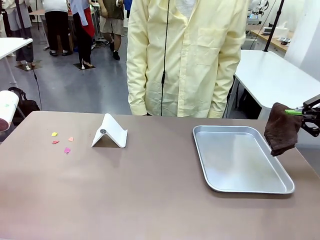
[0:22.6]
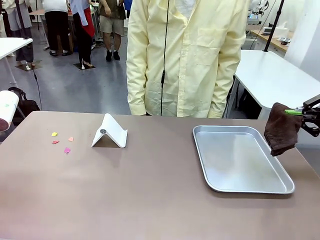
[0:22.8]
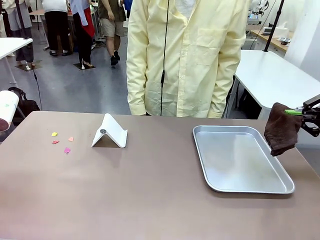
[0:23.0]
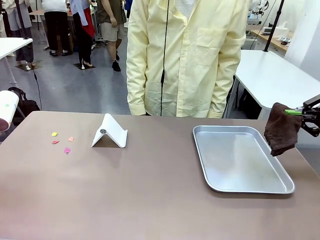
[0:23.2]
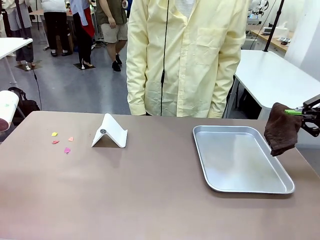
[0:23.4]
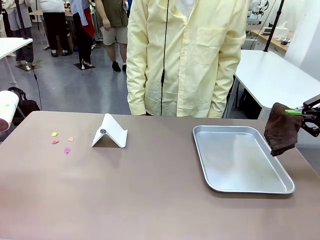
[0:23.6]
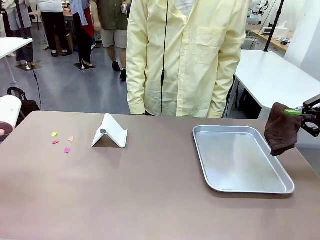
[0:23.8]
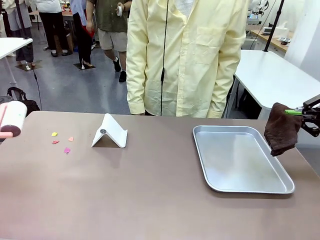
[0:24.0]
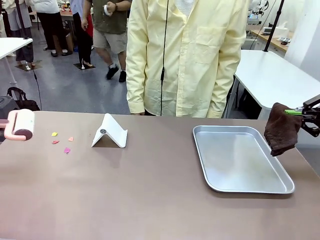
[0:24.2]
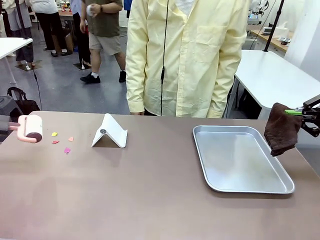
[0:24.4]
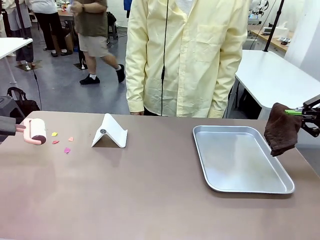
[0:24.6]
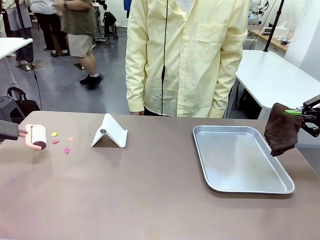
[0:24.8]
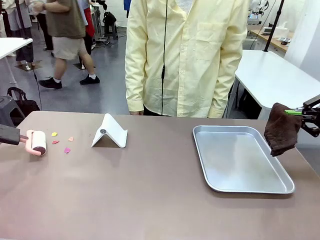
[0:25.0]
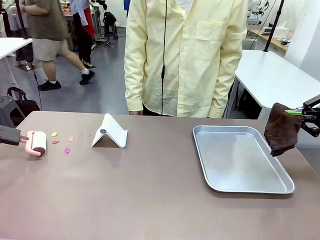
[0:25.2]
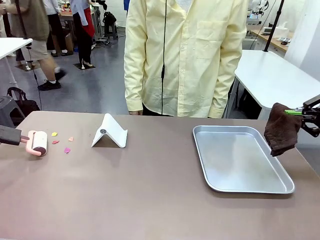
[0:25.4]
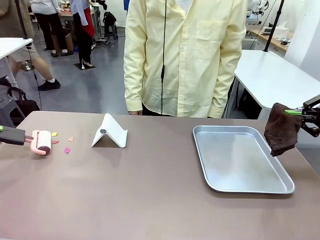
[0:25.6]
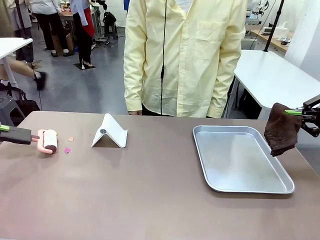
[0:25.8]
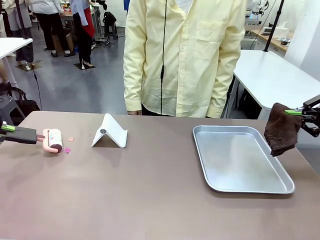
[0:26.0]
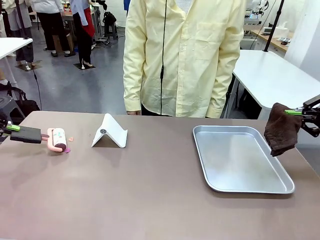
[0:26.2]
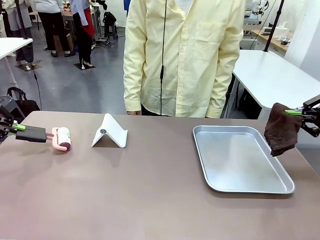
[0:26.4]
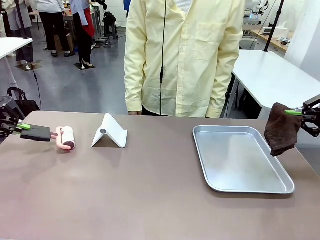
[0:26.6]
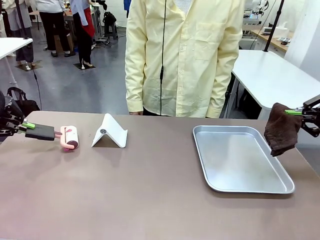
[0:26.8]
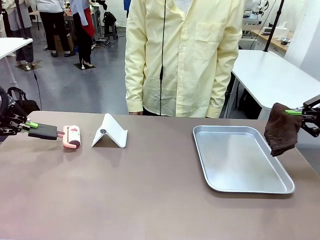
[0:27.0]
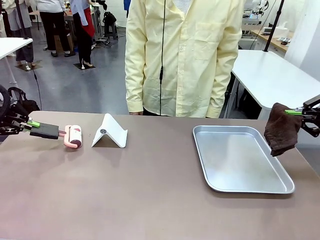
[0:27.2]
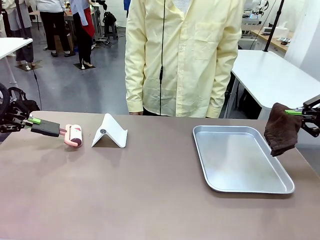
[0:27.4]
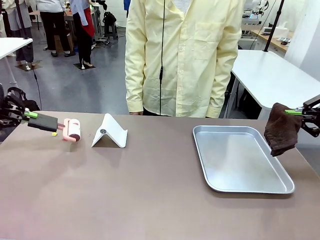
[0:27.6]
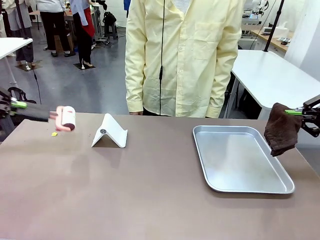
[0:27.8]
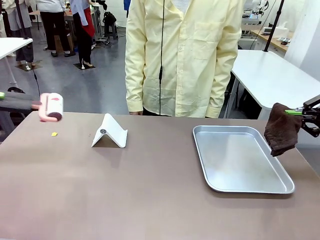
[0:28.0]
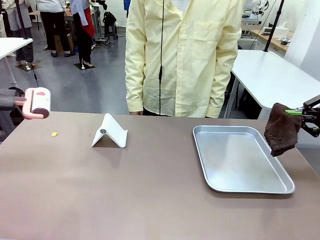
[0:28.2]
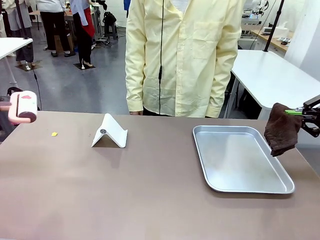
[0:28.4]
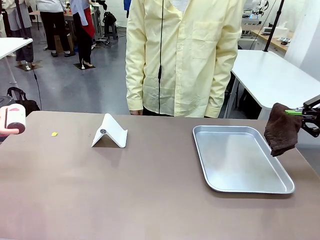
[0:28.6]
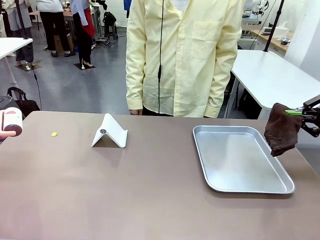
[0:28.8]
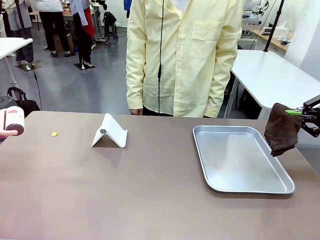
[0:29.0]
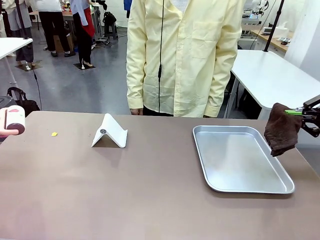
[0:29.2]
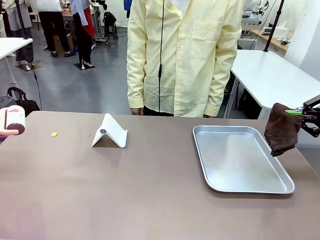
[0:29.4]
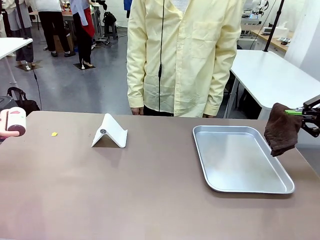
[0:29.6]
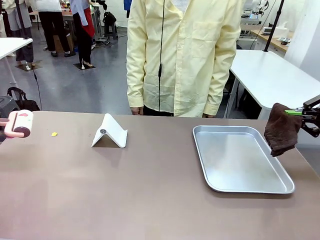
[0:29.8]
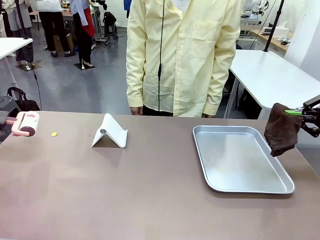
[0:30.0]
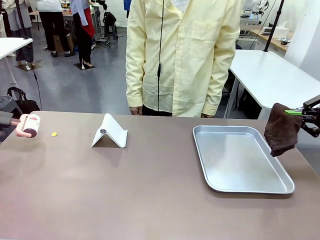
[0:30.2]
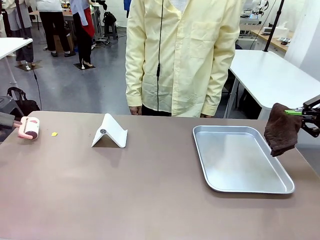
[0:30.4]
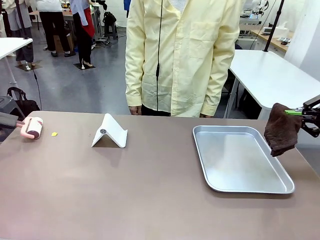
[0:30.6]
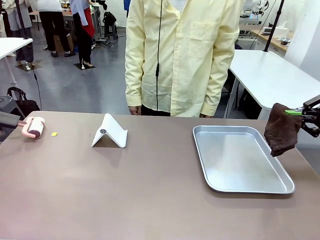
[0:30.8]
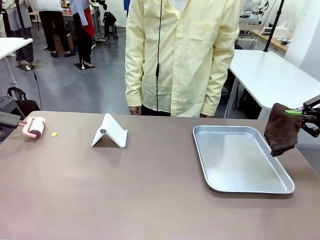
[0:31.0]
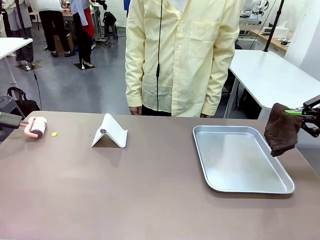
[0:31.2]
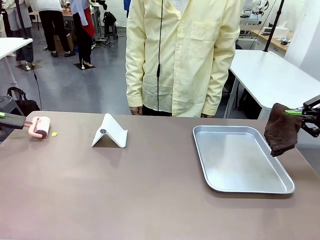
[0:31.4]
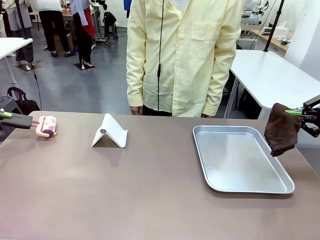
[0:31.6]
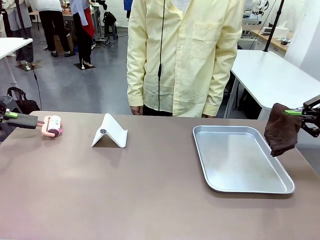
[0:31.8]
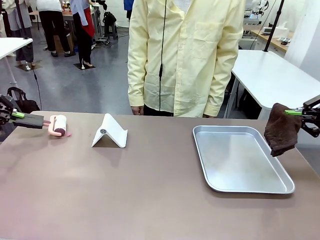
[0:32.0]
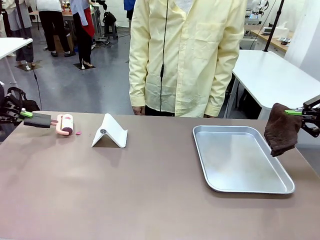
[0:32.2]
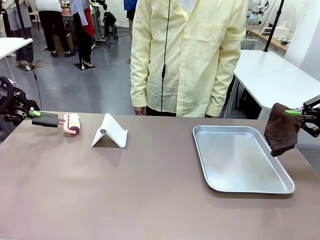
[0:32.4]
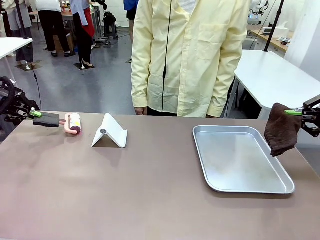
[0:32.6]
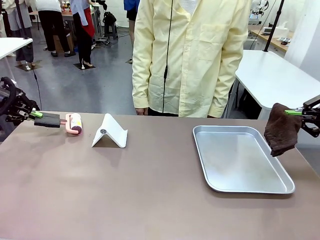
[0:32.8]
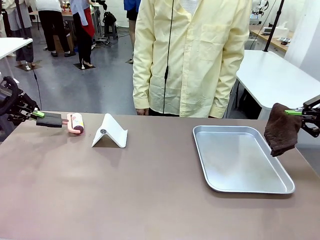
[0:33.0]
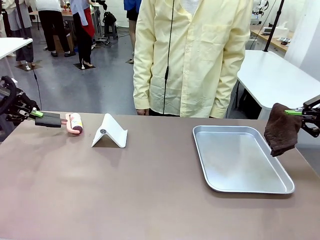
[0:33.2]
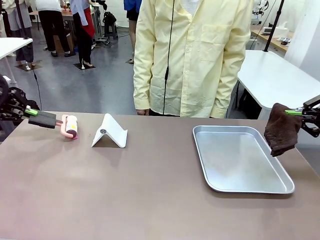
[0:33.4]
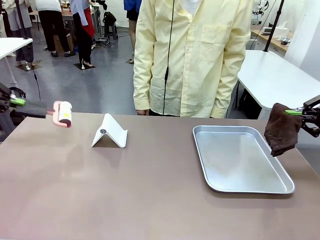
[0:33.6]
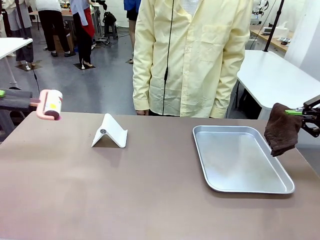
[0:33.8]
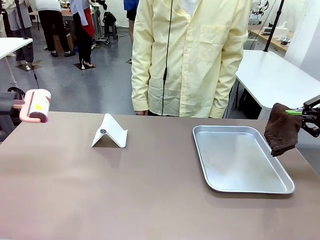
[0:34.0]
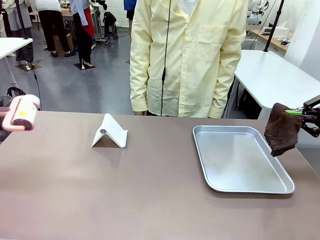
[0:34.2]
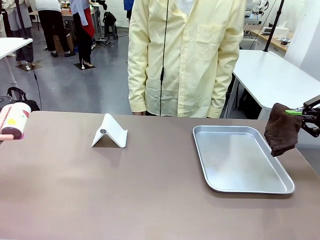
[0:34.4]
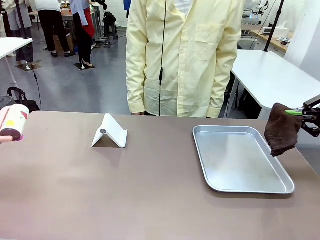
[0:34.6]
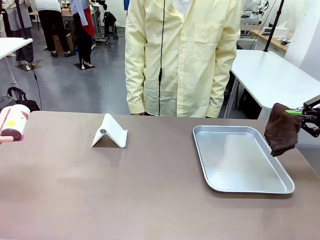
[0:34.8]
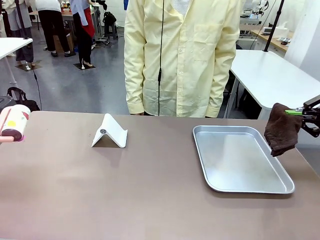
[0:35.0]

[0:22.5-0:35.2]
Task: Clean the surface of the table.
Robot: Clean the area not pointed to by the person.

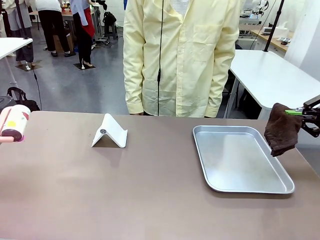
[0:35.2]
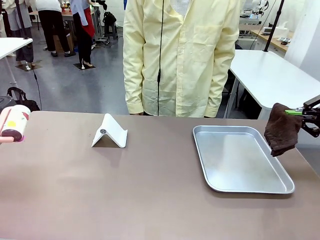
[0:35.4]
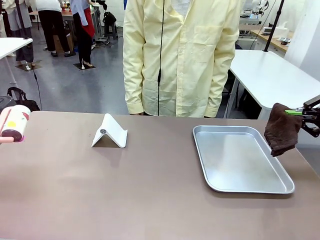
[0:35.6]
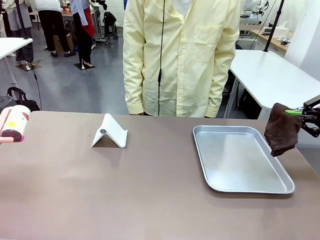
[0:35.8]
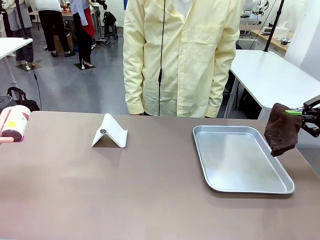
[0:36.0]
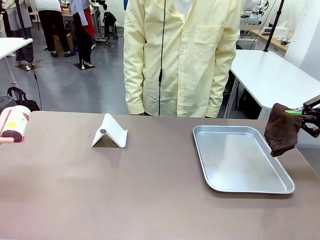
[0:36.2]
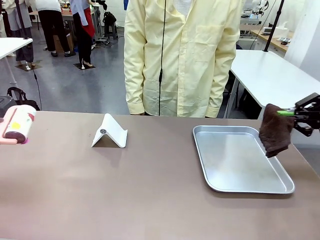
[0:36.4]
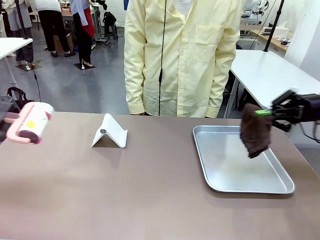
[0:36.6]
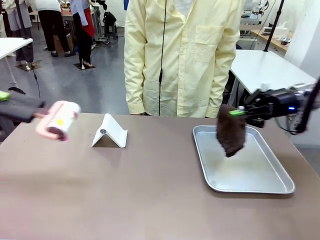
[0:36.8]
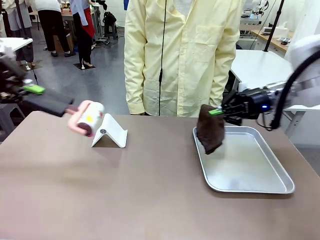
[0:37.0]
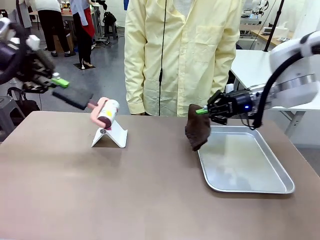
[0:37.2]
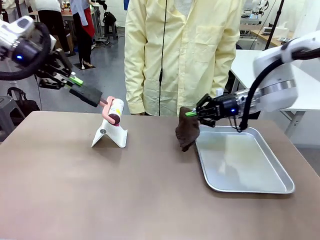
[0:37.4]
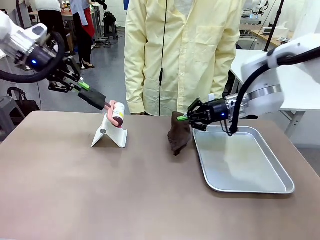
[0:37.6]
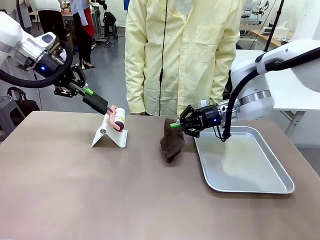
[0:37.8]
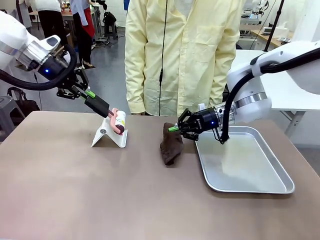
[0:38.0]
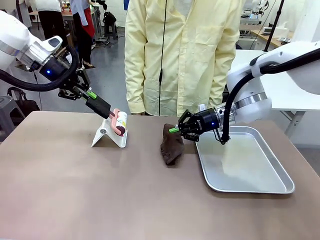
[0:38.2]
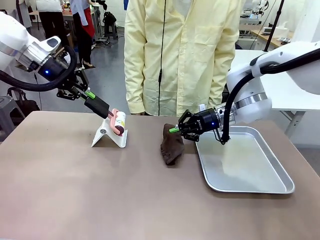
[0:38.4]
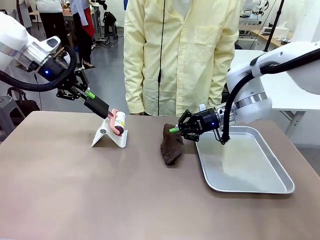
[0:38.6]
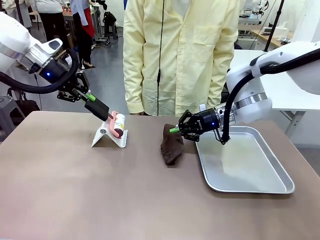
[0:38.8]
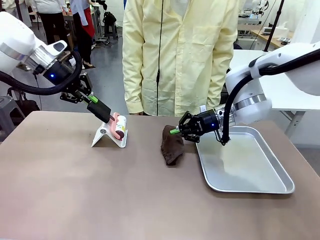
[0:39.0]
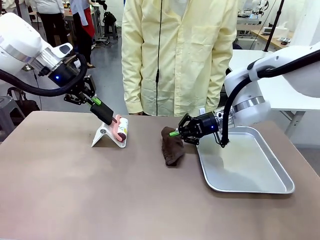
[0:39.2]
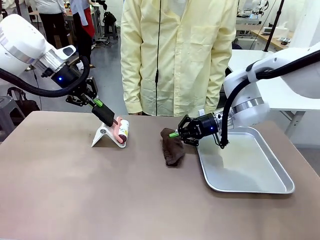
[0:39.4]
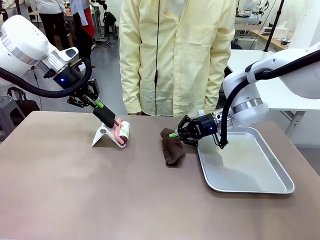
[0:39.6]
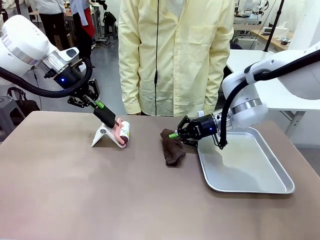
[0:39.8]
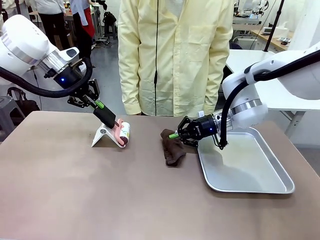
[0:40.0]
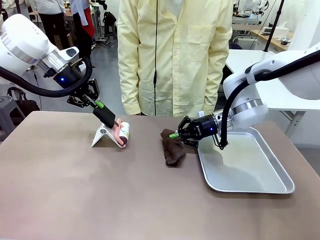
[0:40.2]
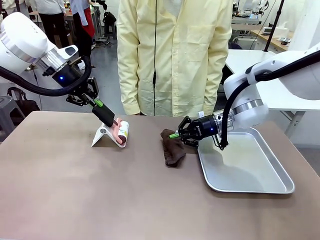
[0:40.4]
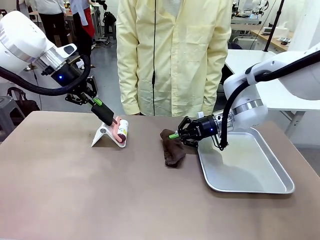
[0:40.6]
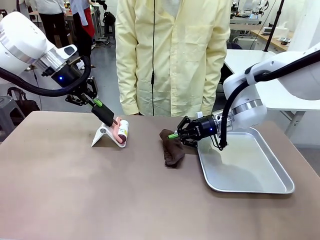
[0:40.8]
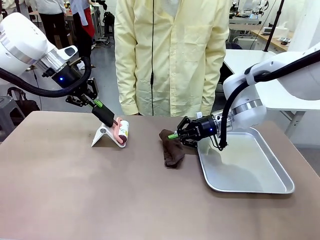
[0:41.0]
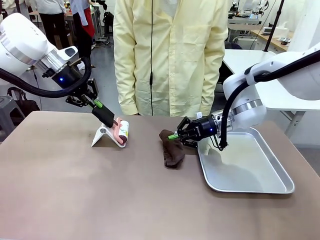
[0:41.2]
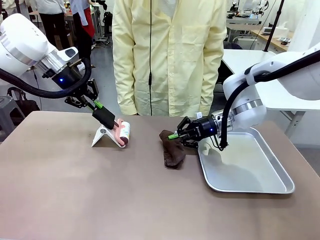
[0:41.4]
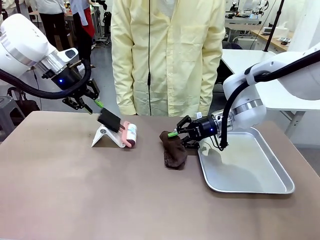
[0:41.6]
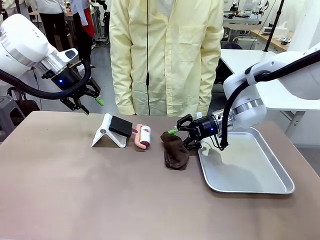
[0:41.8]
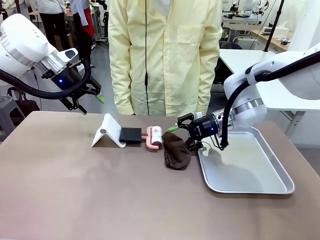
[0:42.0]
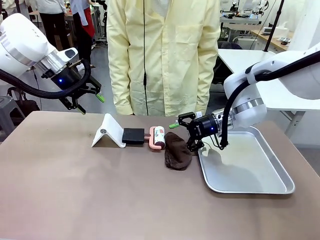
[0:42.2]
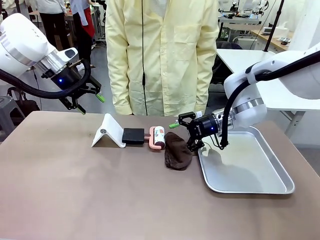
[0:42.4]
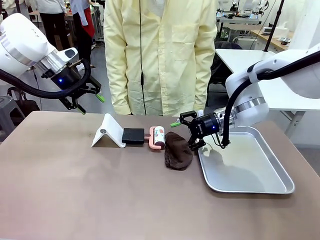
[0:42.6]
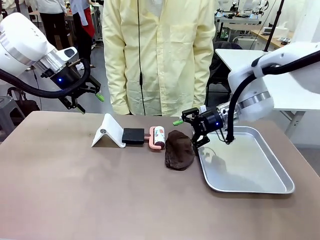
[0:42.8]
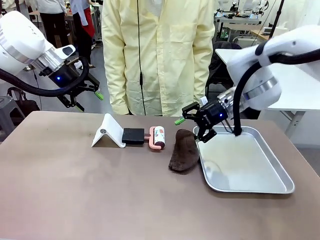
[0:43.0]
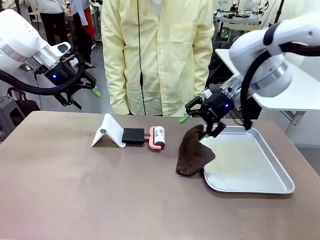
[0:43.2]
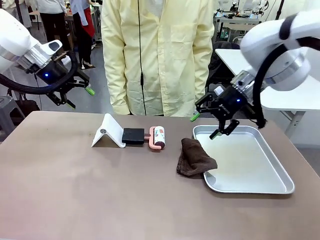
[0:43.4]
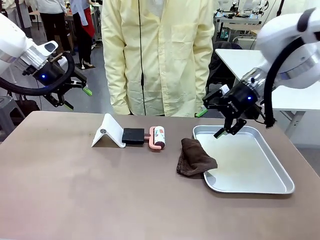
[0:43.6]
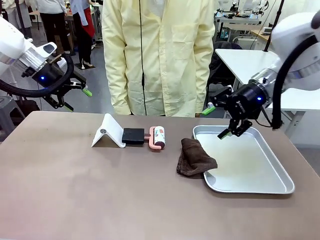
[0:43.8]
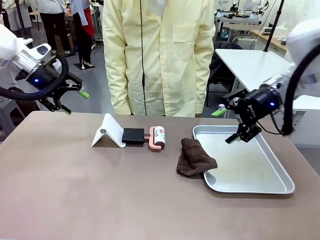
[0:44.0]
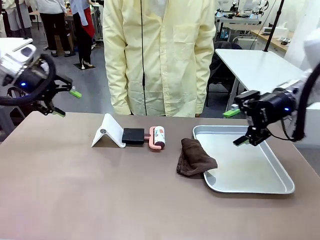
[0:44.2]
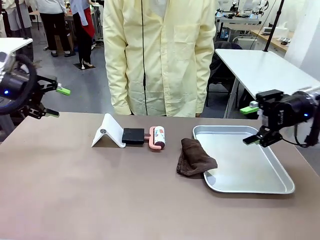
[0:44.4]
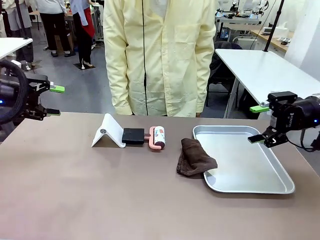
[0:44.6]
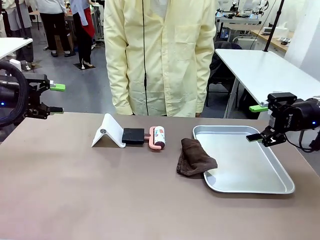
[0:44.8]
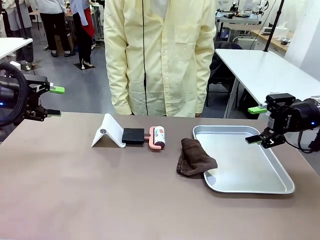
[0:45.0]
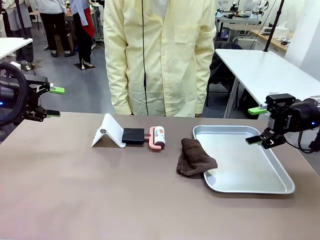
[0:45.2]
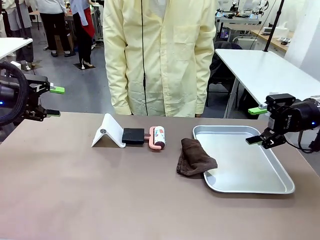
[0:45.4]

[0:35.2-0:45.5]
Robot: Return the Lint Roller and towel to their original positions.
